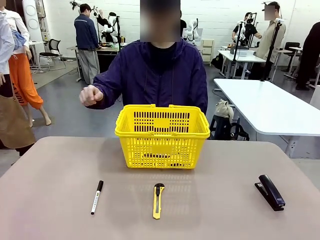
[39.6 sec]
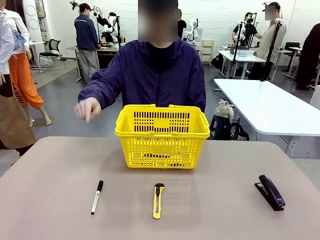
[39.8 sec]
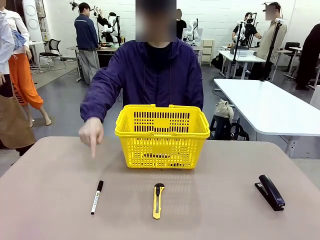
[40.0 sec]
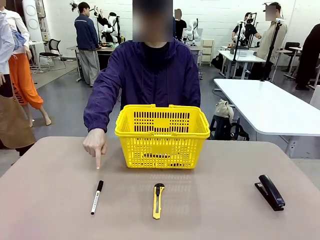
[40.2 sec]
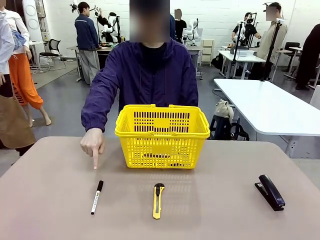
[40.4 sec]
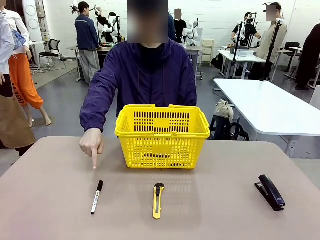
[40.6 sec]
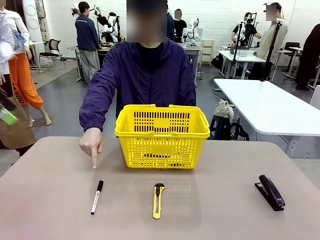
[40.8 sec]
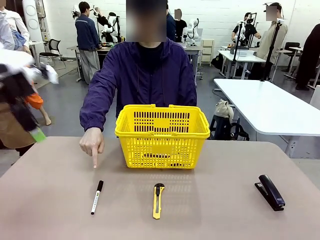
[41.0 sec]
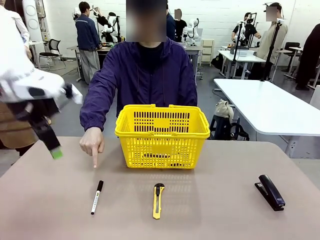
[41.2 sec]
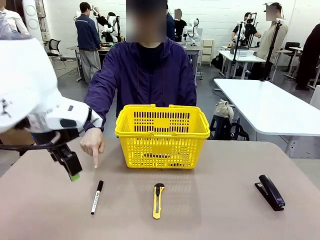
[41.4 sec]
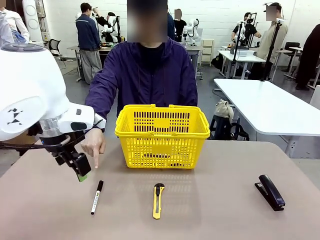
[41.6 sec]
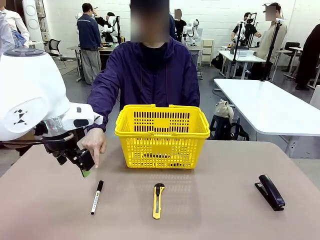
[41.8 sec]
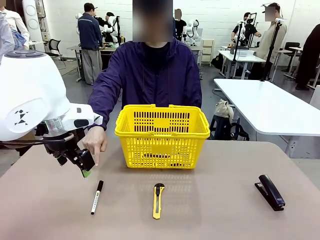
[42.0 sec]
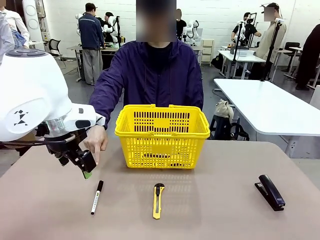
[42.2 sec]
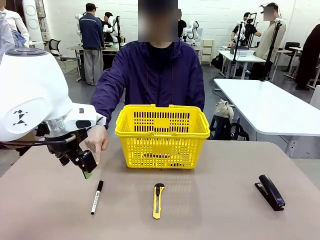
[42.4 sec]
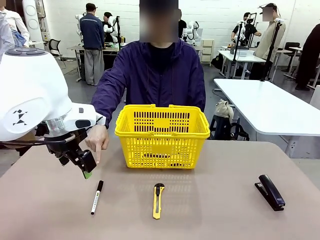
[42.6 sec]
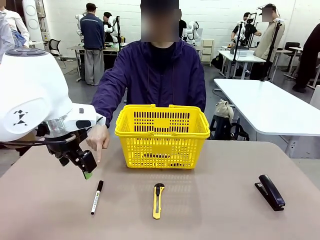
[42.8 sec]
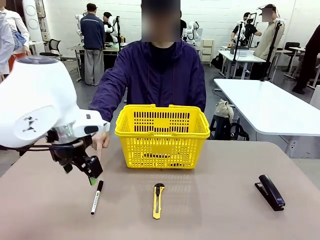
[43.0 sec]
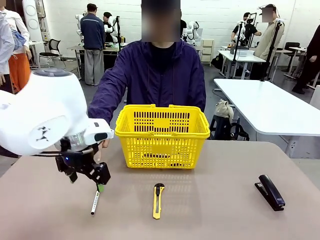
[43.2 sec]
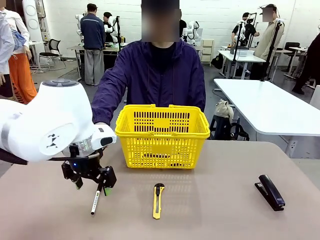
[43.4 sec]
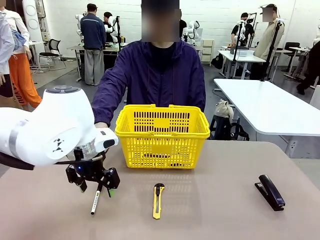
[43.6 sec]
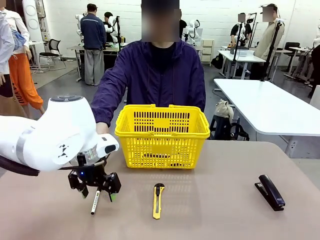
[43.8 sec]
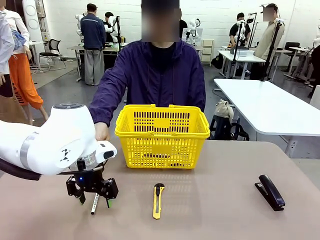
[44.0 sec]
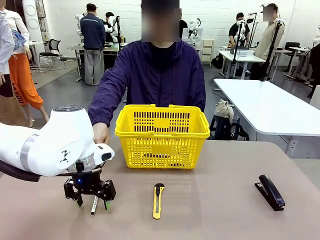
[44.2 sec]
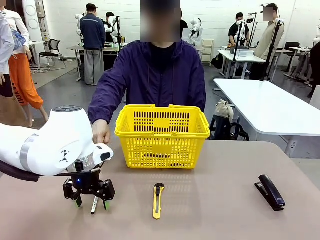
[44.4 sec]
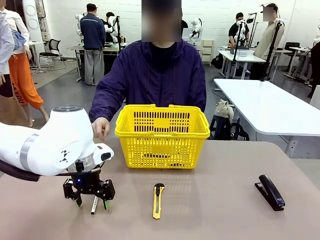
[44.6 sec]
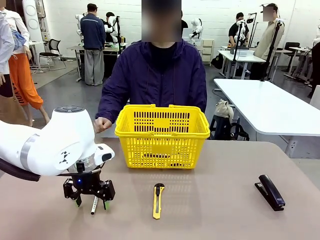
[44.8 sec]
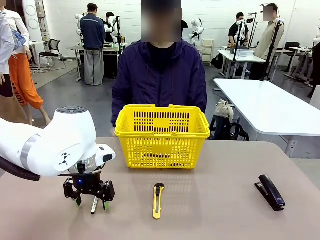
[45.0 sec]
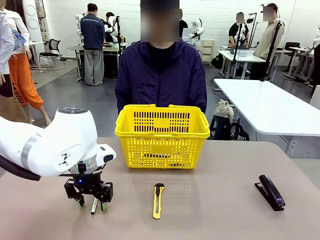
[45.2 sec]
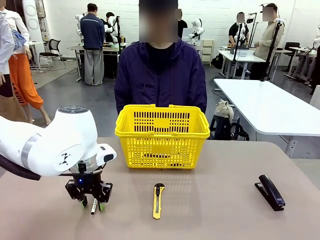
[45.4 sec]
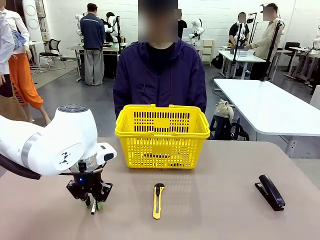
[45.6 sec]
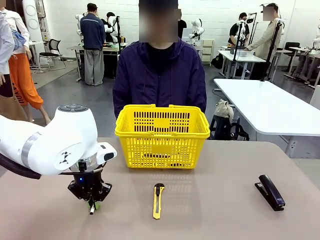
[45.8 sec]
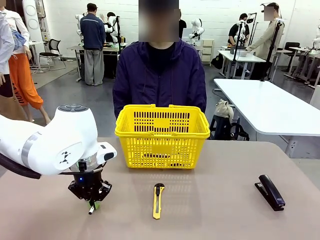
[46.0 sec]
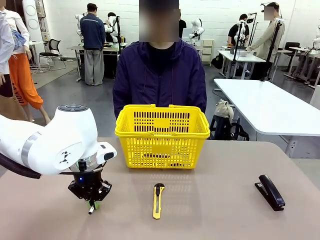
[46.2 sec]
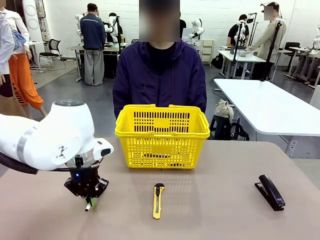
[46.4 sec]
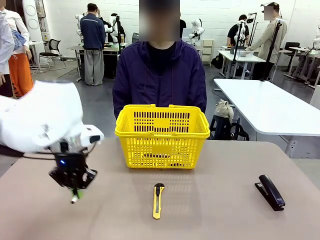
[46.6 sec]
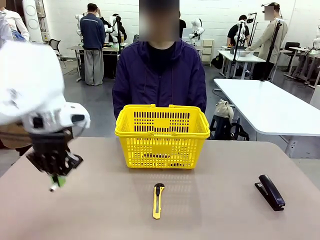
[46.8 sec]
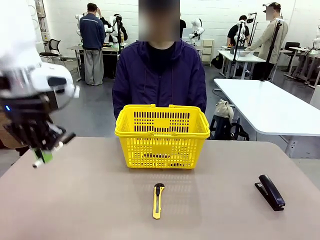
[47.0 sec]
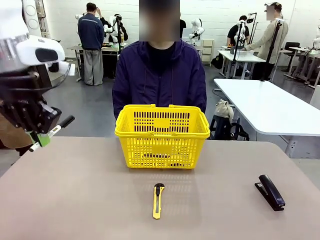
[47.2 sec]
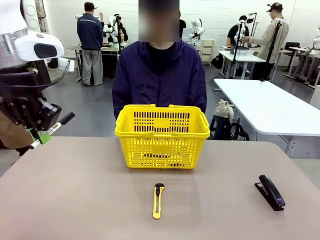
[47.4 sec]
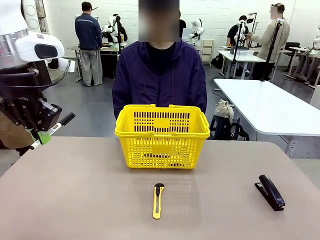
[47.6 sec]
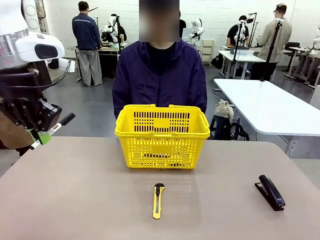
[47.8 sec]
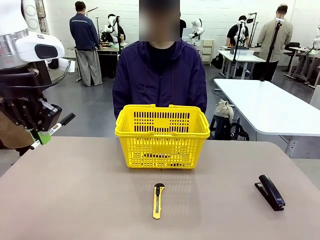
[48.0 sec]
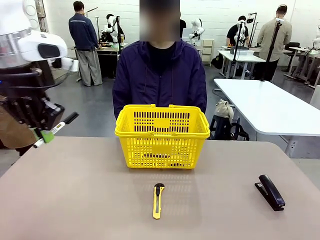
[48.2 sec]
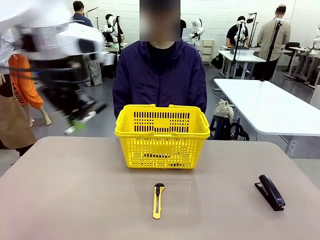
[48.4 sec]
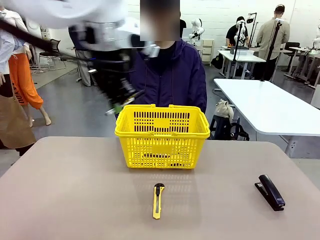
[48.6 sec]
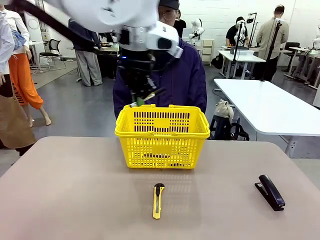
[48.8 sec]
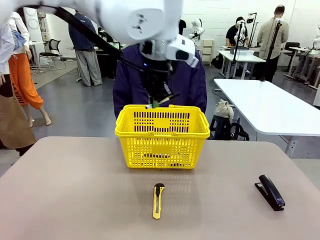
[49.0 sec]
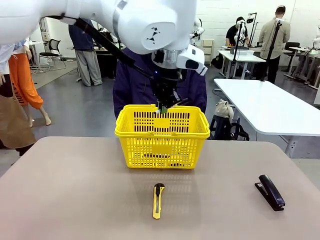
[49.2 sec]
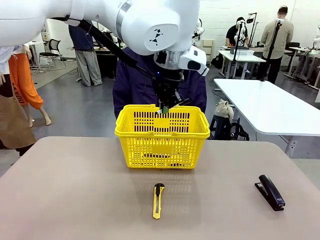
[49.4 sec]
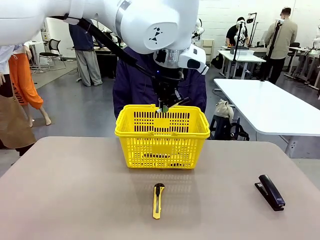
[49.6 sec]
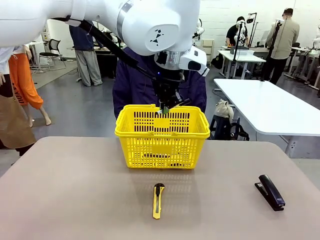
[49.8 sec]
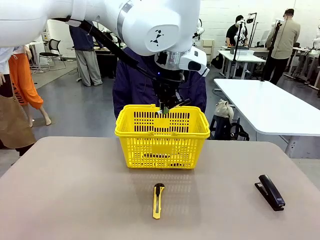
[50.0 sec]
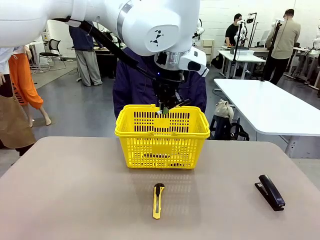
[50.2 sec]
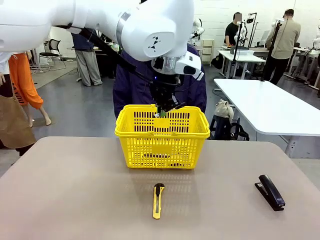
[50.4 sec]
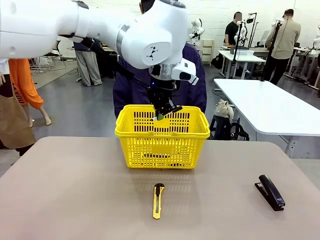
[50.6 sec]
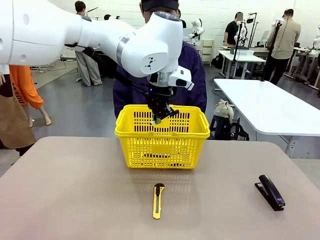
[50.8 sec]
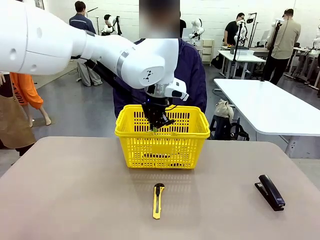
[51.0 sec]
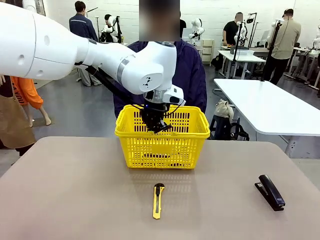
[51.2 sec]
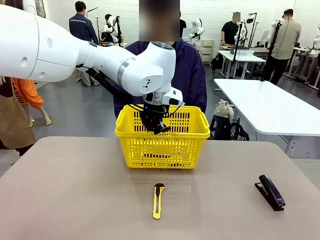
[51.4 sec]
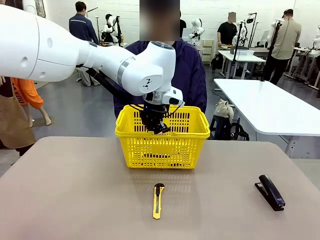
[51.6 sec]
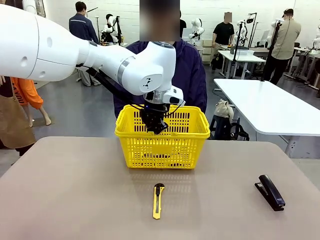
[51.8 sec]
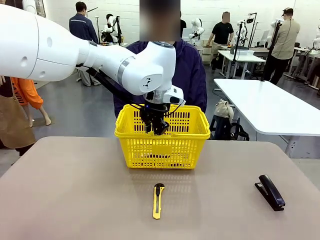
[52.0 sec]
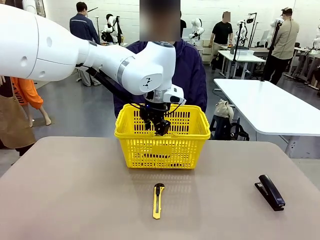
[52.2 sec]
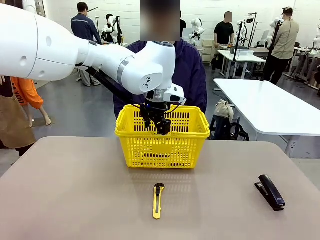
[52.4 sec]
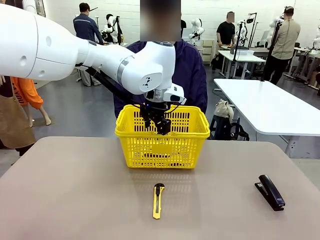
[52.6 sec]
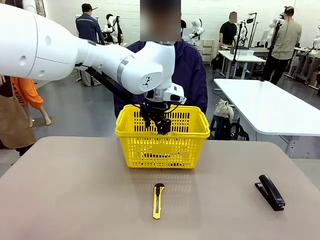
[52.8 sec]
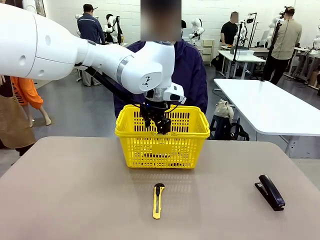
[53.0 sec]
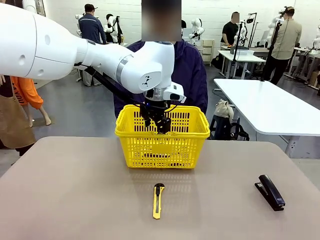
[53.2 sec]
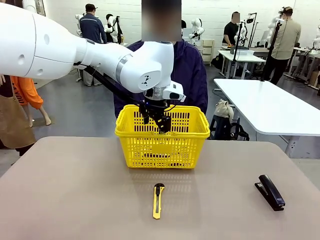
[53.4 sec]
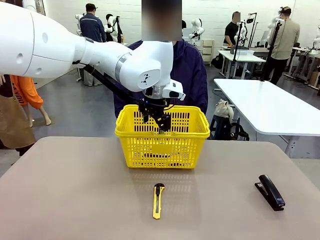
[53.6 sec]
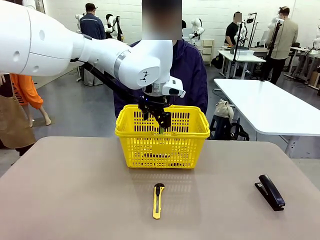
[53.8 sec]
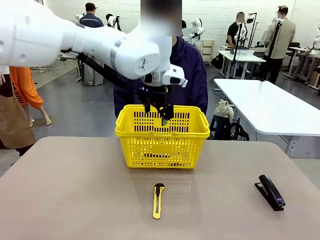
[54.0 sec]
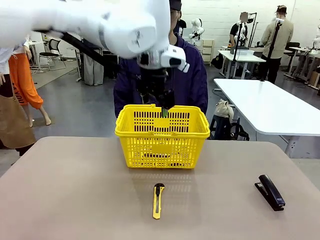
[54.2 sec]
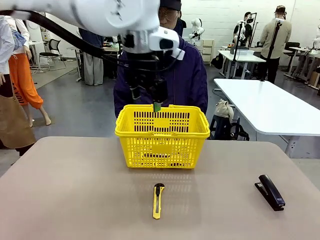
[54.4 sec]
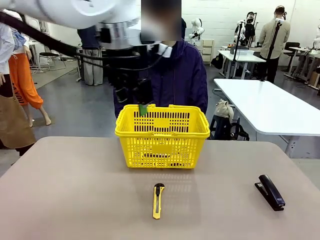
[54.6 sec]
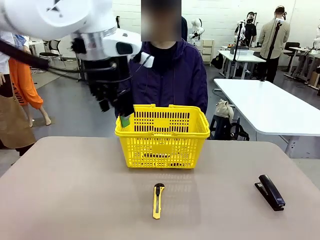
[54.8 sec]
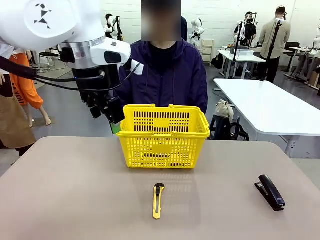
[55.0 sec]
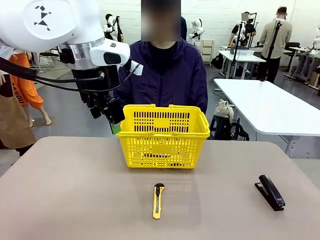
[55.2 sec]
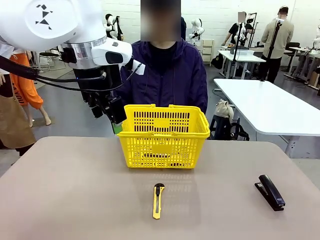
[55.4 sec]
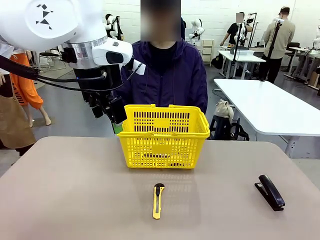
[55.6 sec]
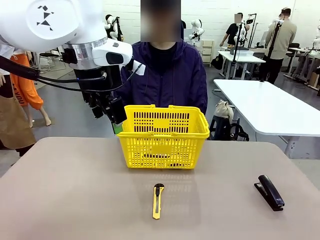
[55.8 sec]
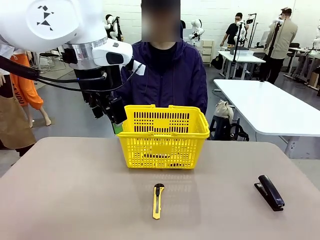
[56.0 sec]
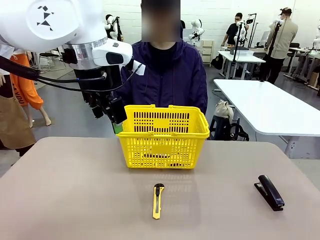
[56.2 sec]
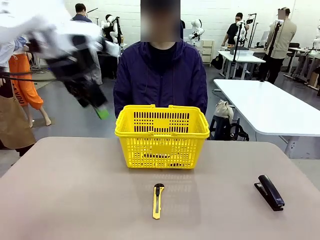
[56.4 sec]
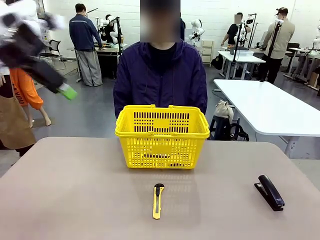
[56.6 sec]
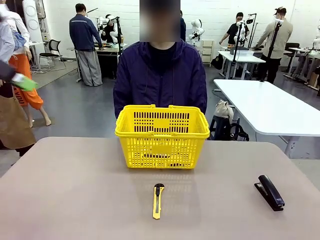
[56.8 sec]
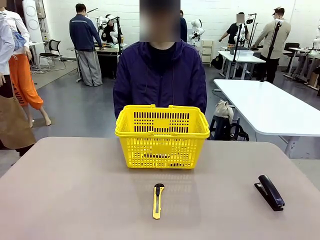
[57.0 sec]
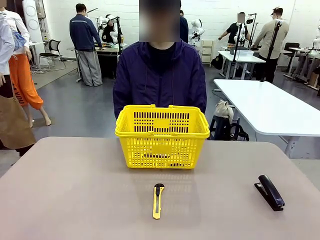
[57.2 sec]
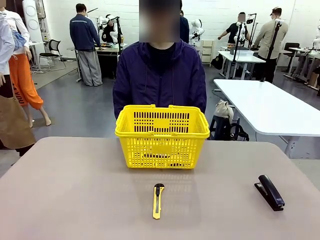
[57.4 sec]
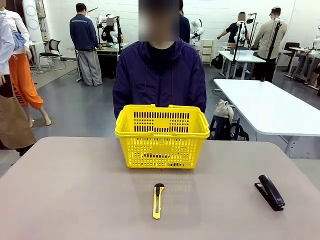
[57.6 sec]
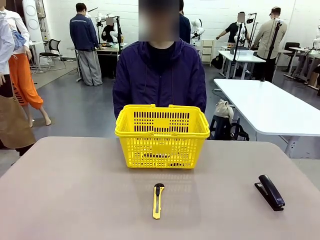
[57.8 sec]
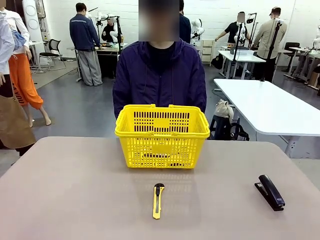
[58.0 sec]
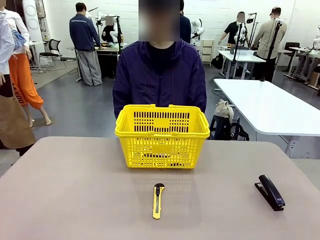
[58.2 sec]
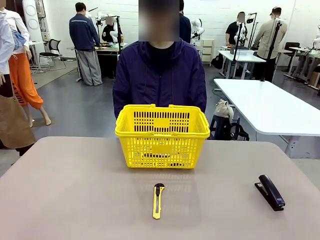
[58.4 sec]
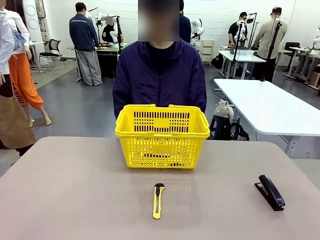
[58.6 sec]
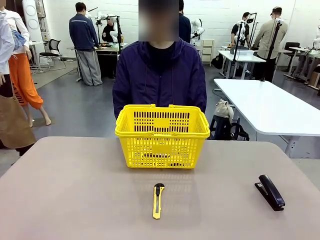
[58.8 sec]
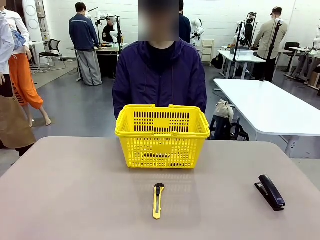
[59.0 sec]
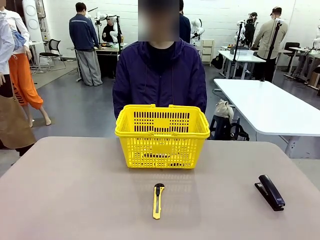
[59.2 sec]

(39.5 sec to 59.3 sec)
Task: Place the items the person wants into the basket.
Robot: Pick up the item the person points to and place it in the Market Basket.
